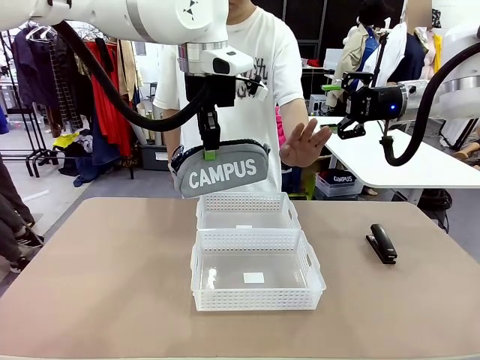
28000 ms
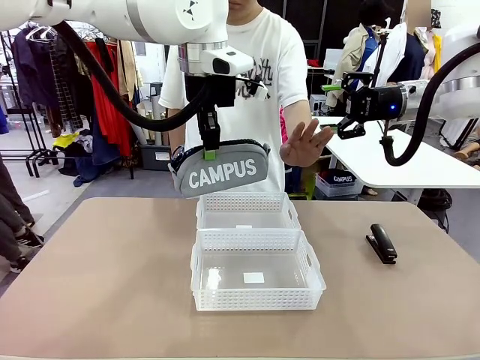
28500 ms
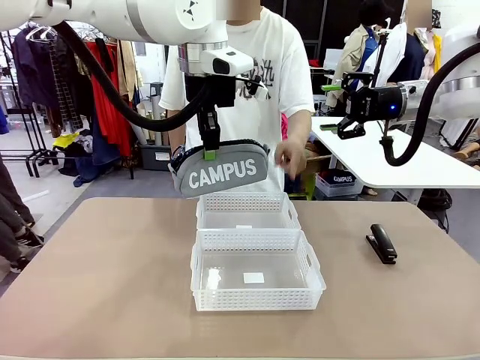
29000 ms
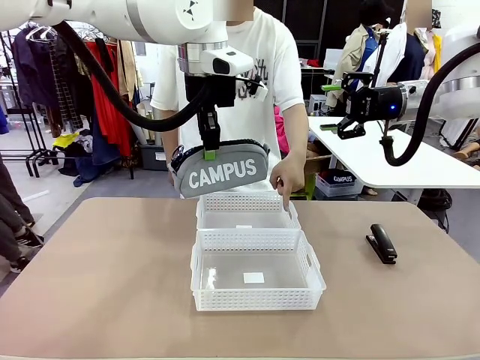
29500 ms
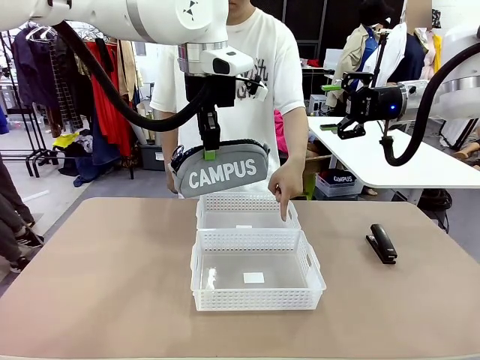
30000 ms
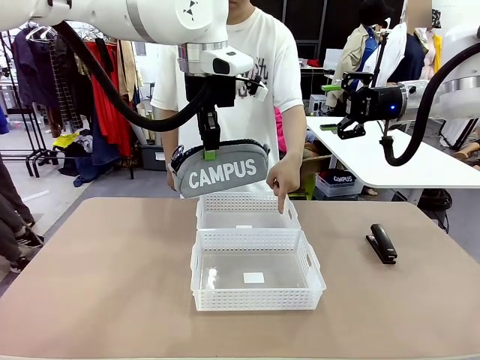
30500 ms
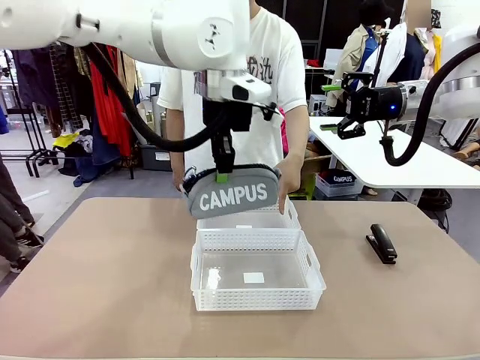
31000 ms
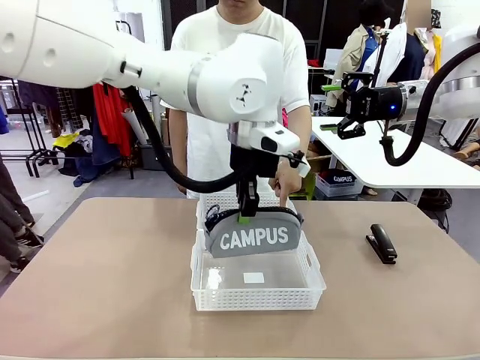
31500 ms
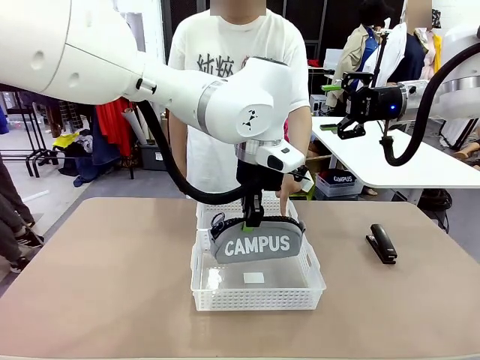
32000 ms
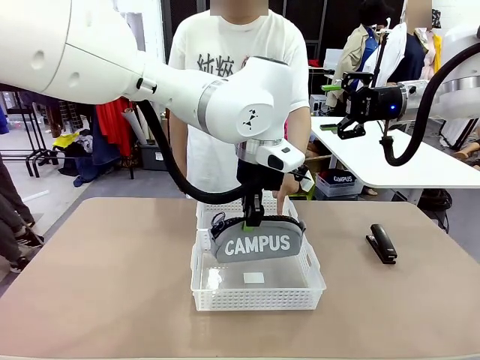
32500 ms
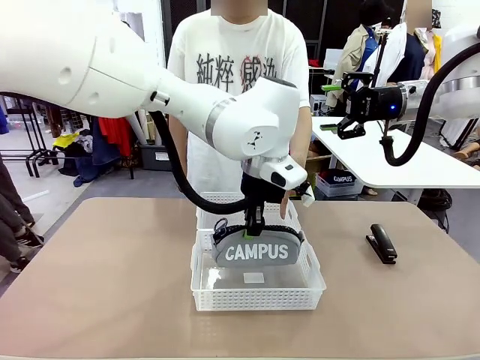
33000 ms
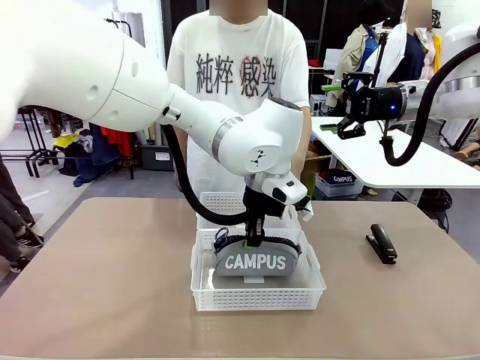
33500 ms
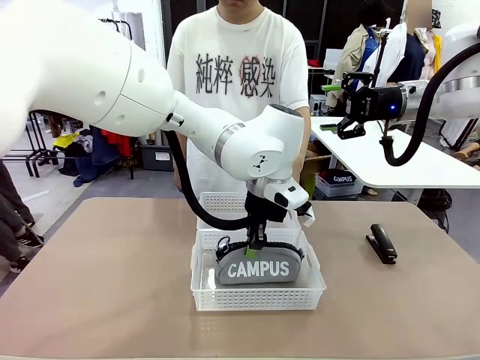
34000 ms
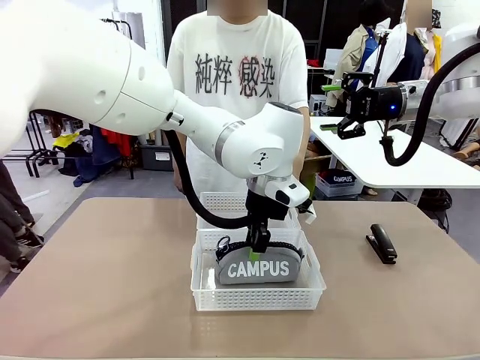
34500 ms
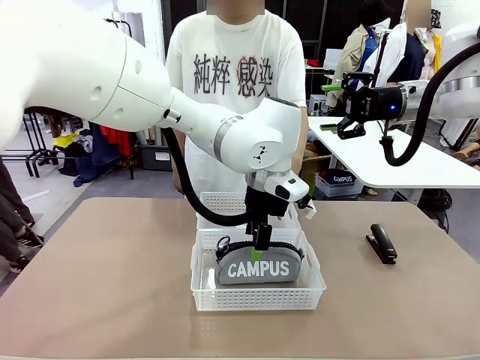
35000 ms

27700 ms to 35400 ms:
Task: Distribute items into two baskets.
Robot: Place the picked Pencil pouch into the Organizing basket as instructed by the person.
Person: Instructs the robot to place the pencil case into the opposite basket.

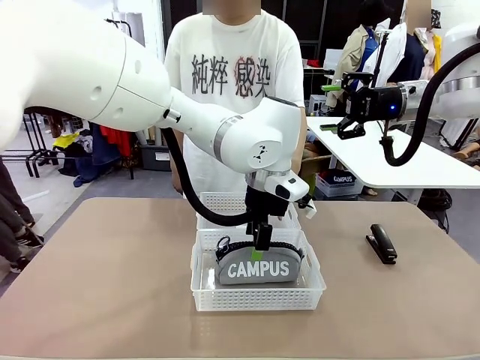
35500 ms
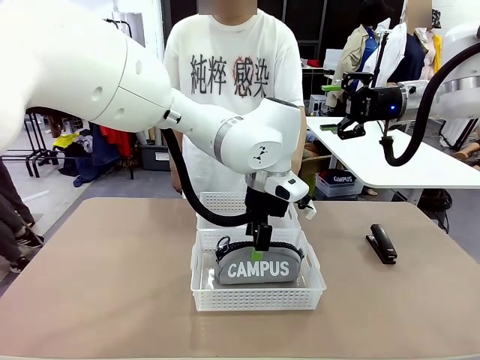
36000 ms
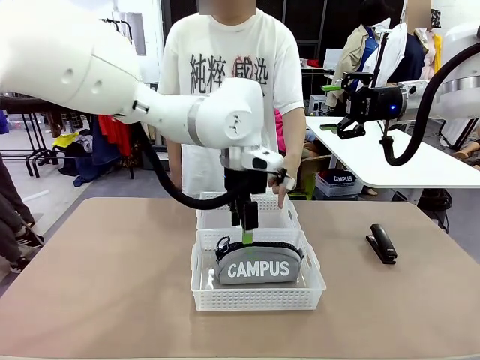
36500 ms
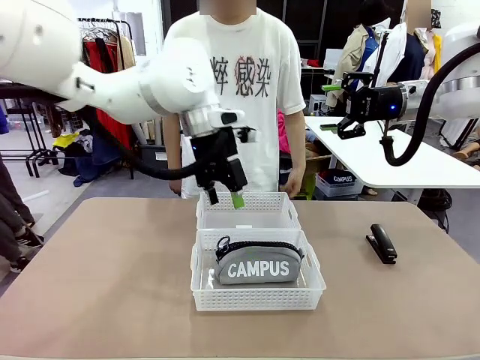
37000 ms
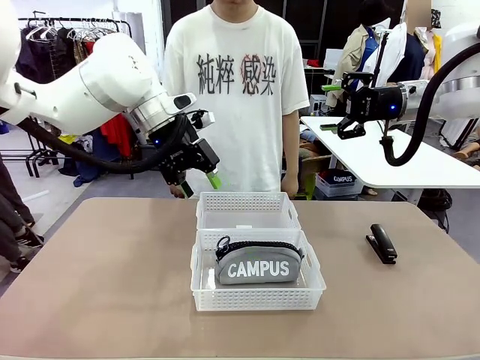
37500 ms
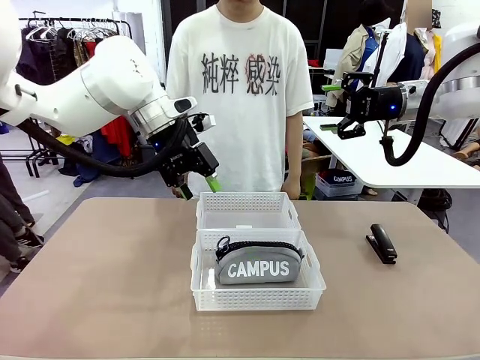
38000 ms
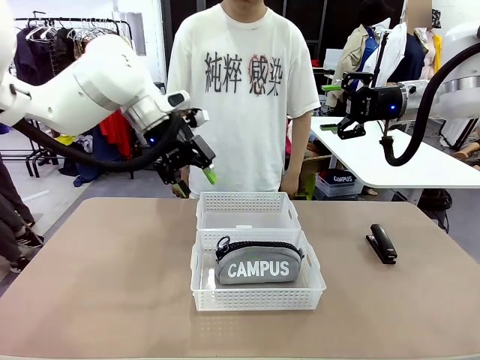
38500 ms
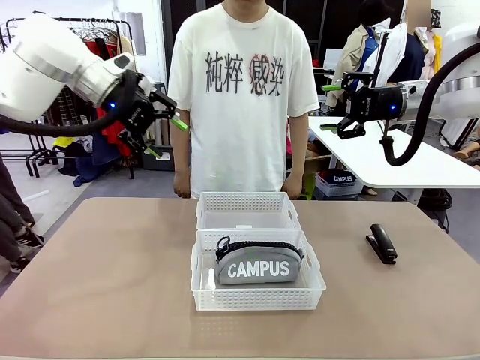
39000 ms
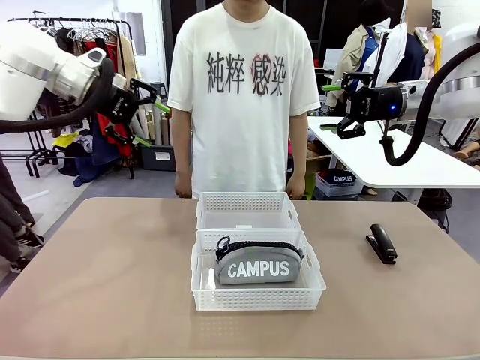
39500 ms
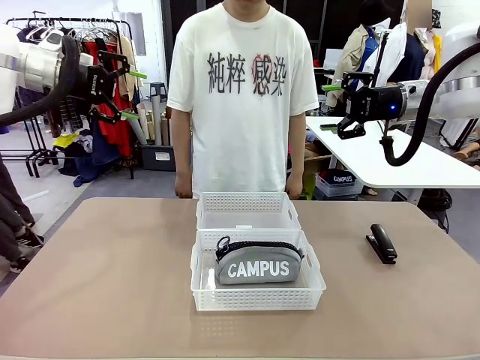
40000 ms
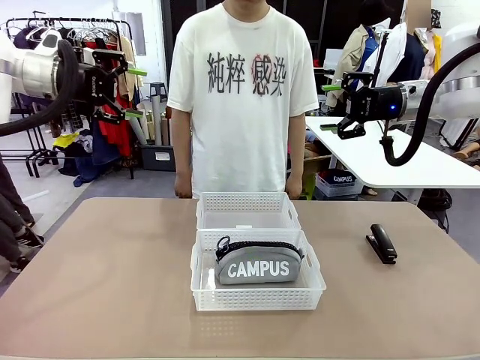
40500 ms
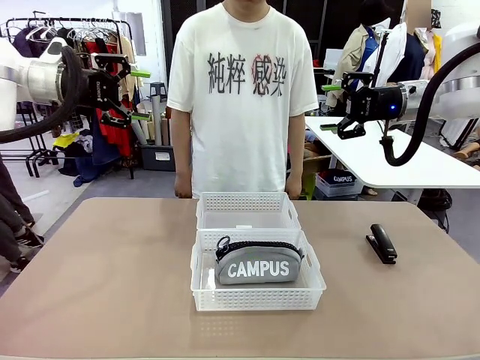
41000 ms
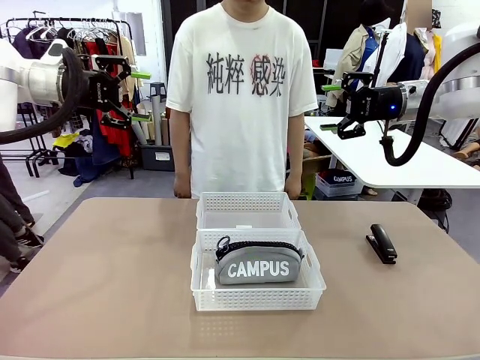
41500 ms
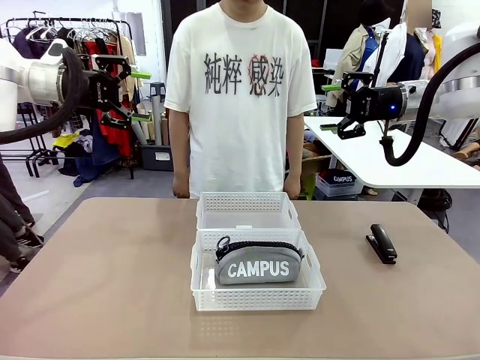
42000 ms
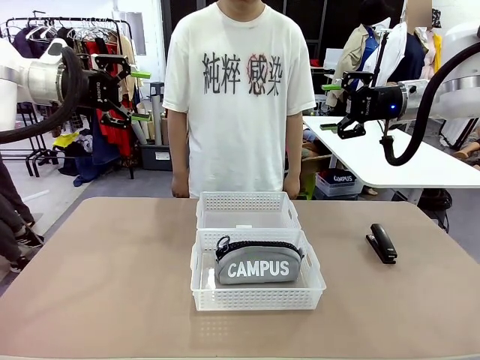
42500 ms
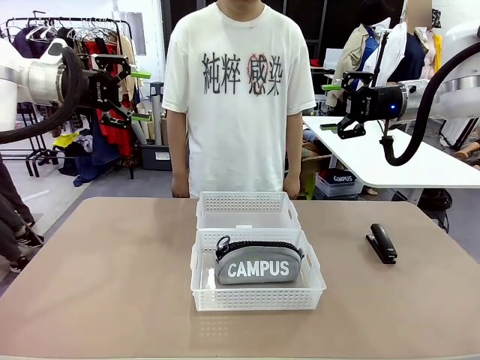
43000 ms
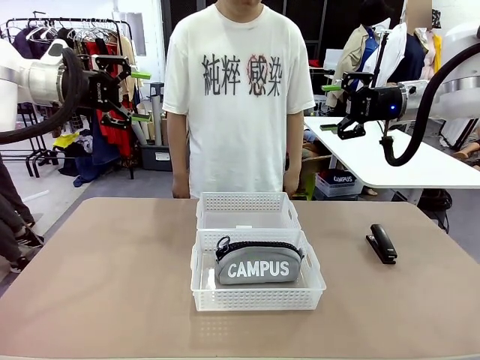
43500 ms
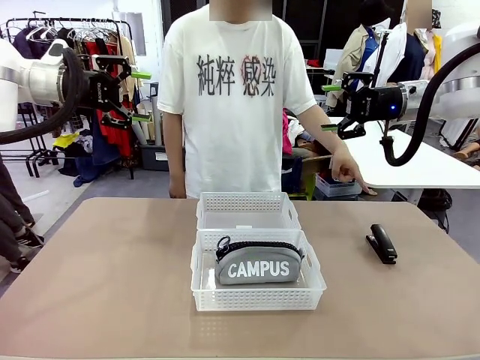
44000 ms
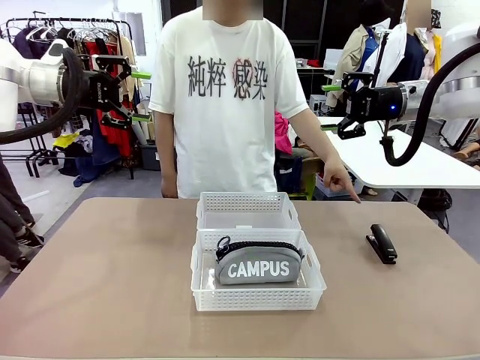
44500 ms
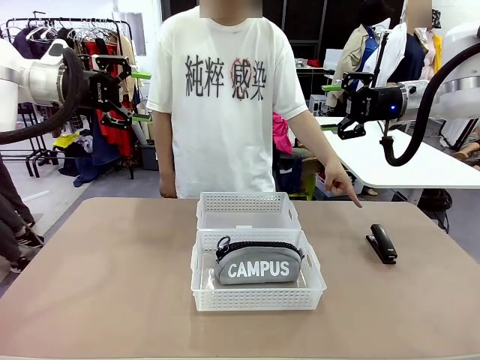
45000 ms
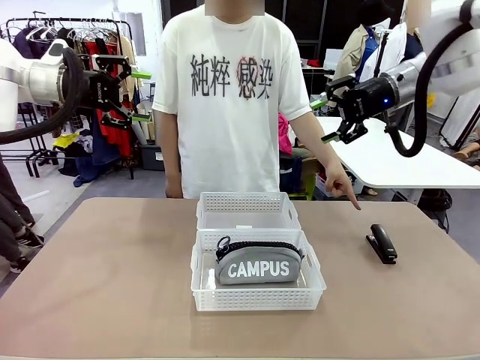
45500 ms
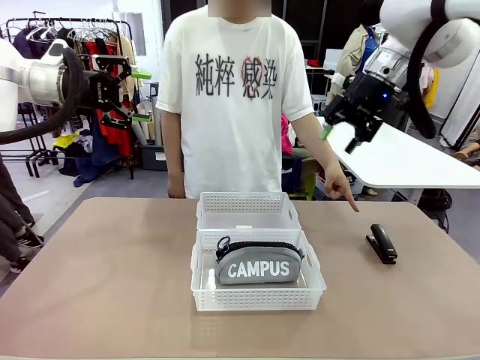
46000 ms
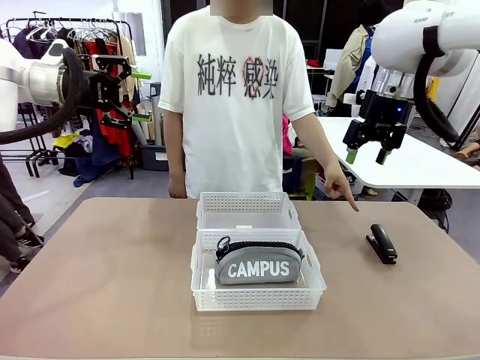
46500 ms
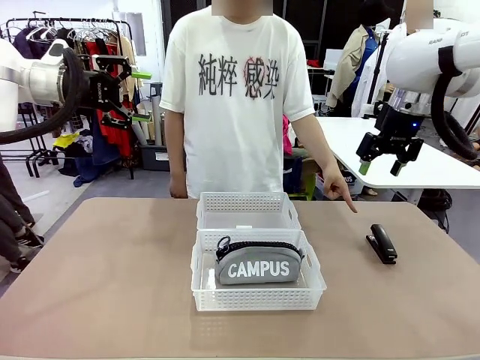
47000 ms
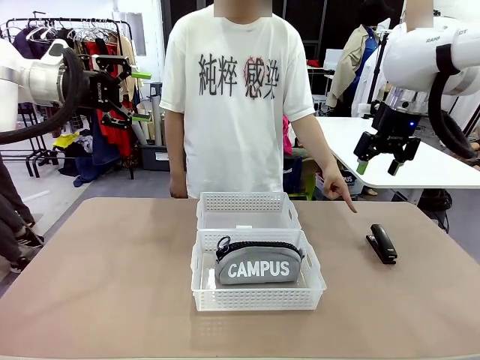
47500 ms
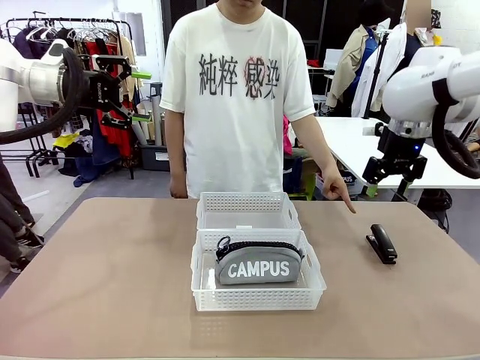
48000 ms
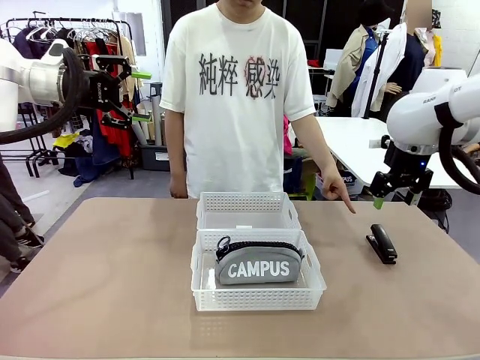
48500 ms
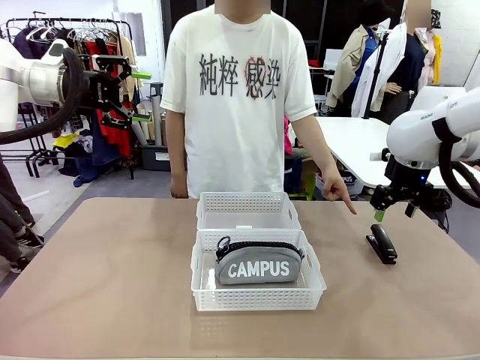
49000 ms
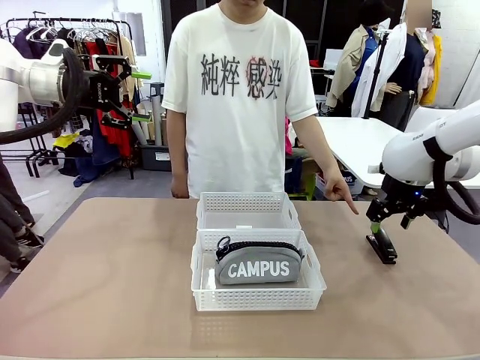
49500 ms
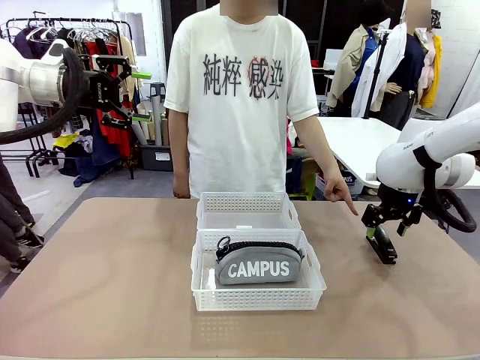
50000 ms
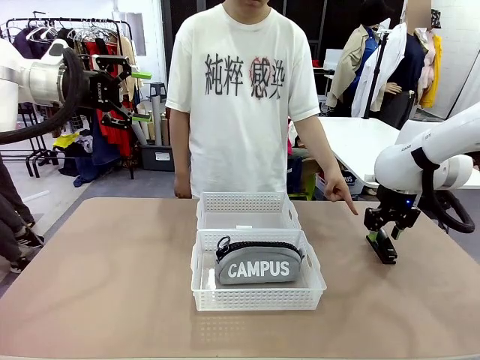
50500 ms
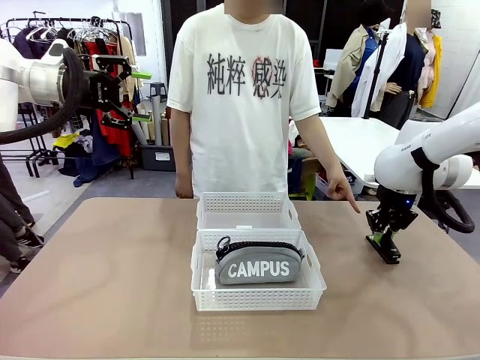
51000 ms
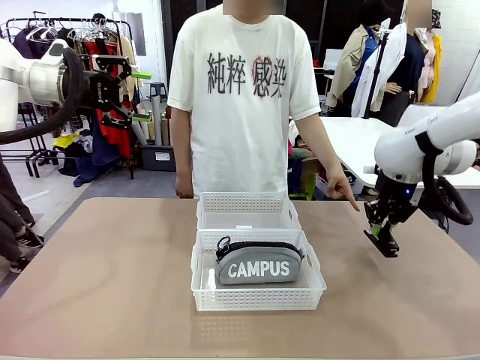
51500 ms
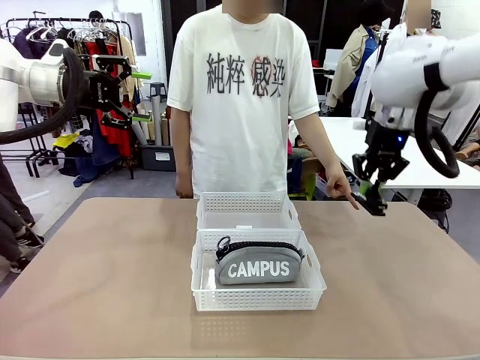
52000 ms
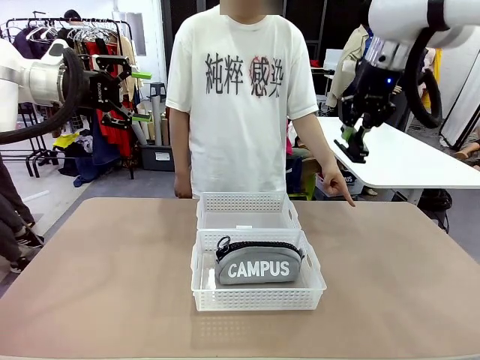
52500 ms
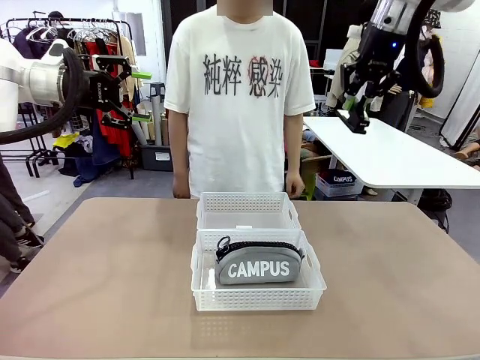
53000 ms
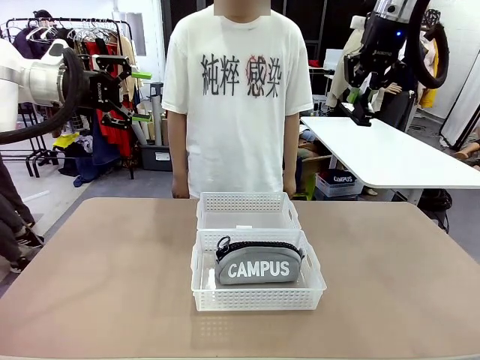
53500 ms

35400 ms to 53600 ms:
Robot: Pick up the Stapler that the person points to.
Person: Points to the stapler.
